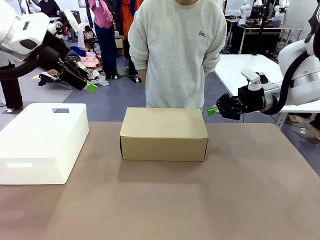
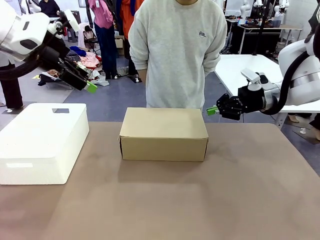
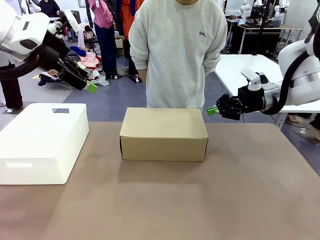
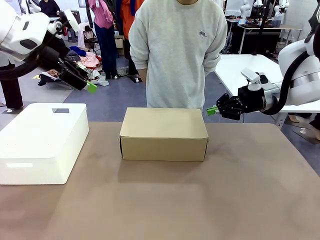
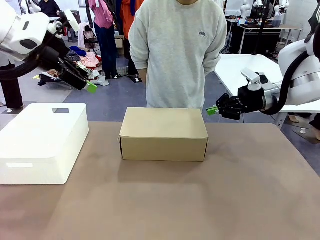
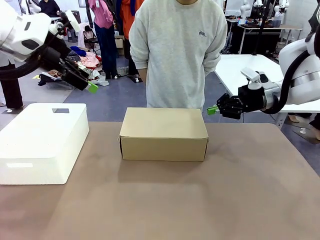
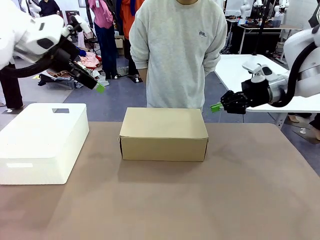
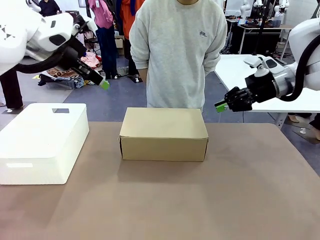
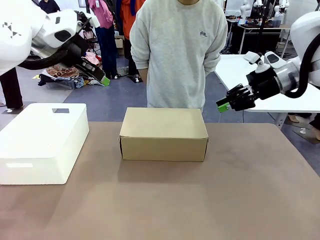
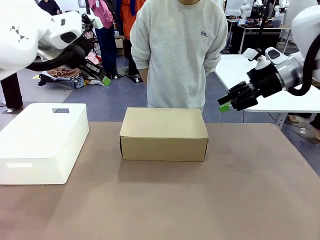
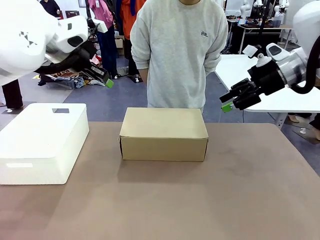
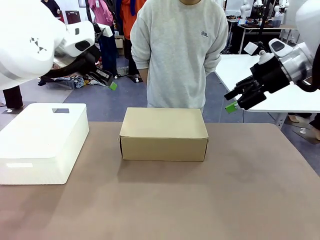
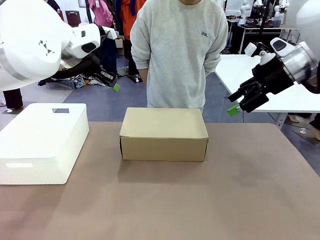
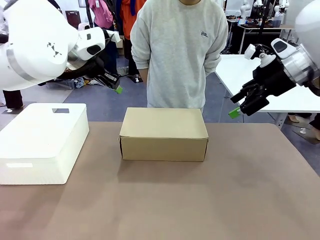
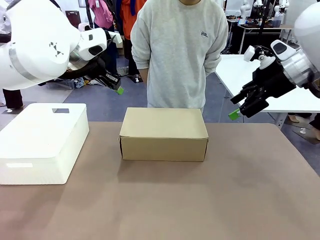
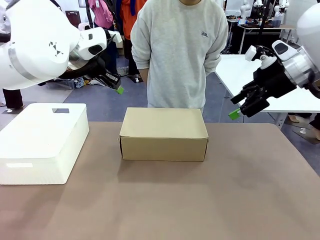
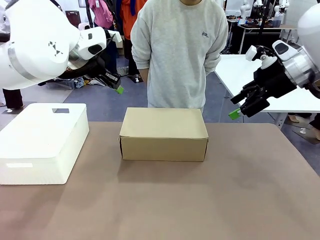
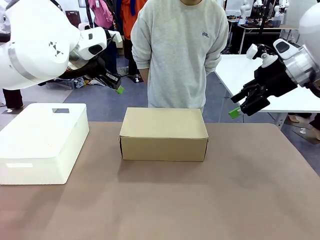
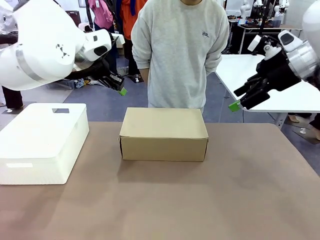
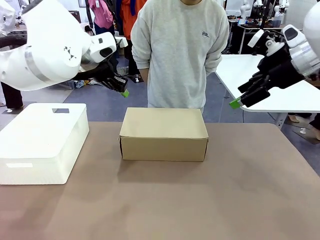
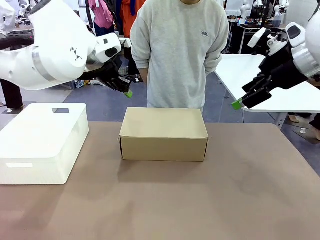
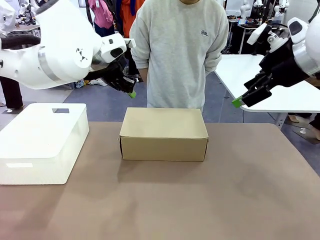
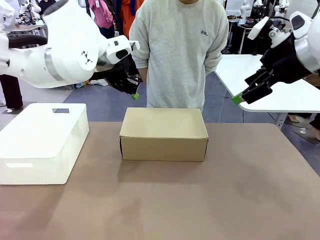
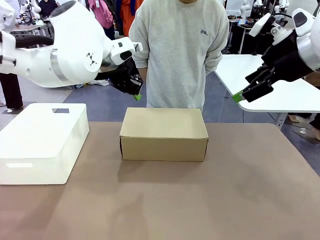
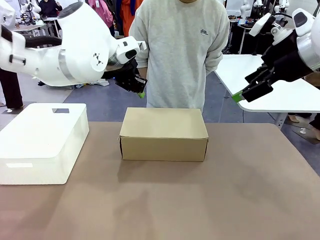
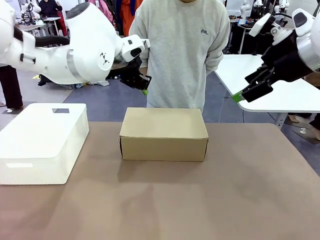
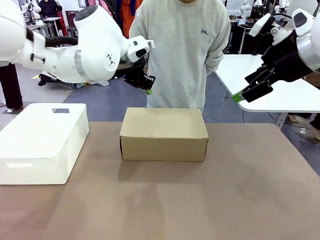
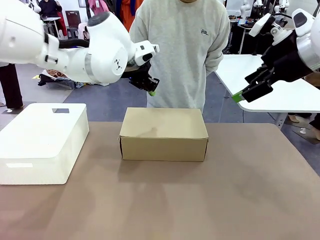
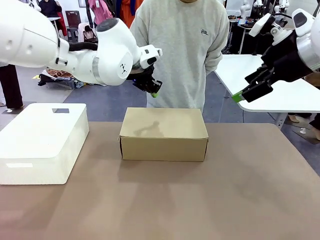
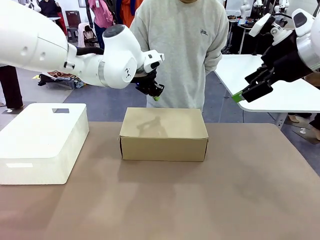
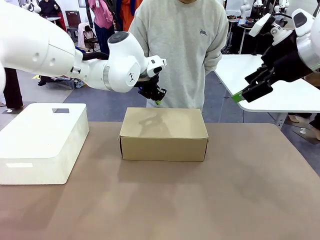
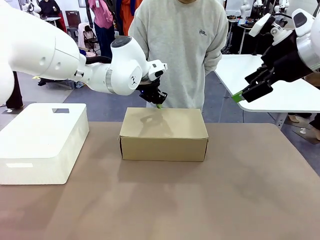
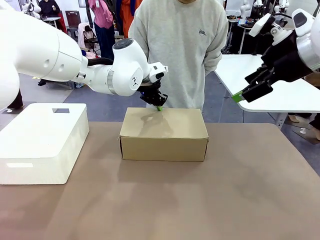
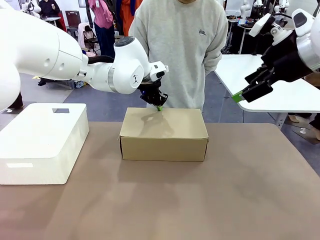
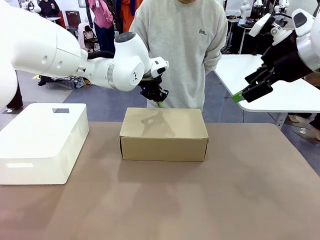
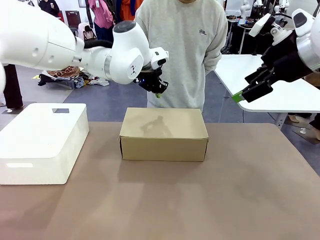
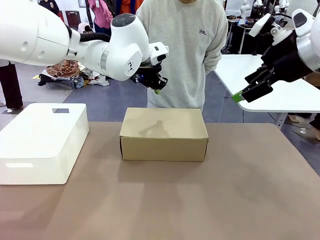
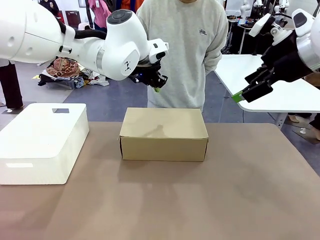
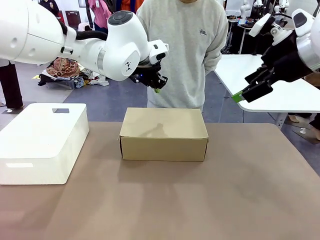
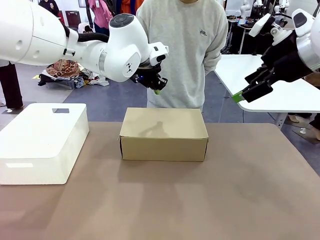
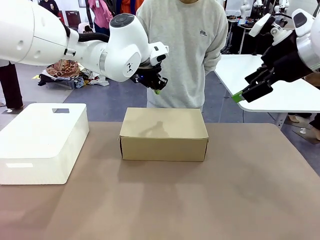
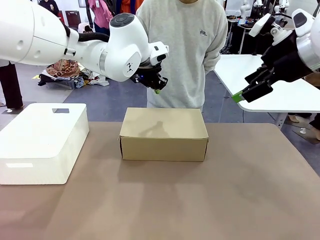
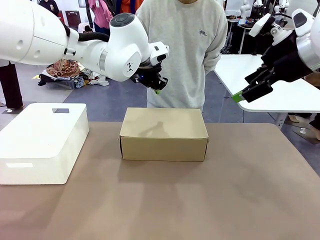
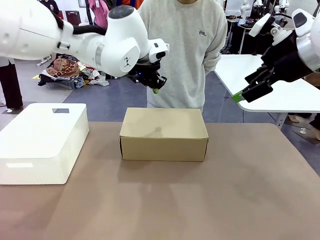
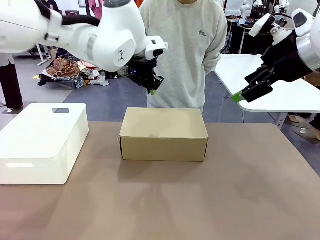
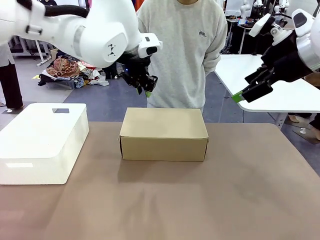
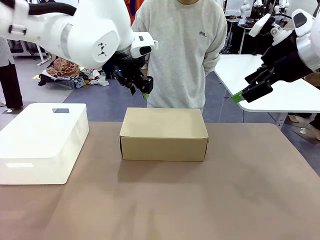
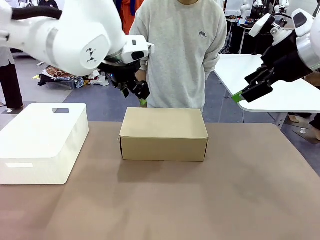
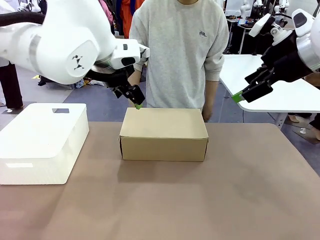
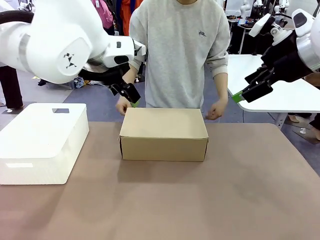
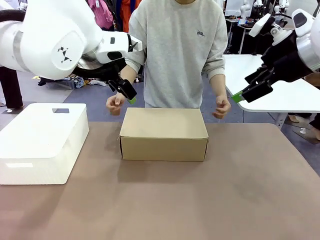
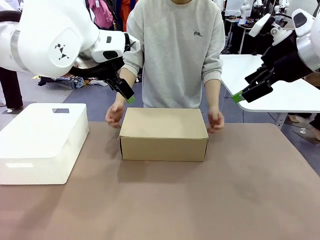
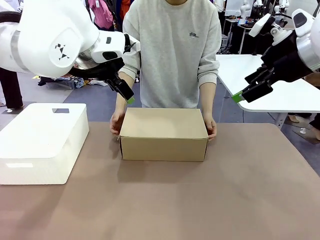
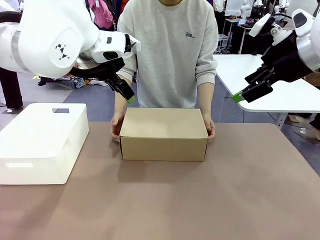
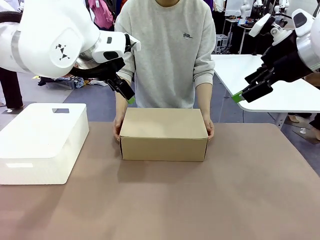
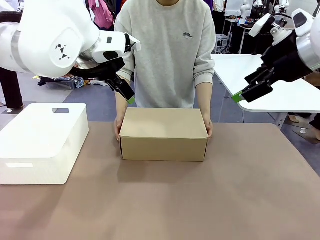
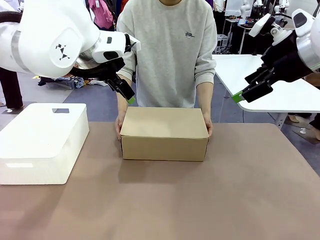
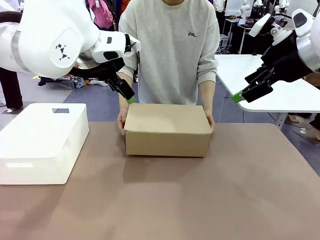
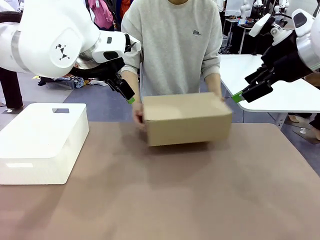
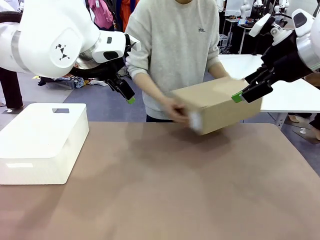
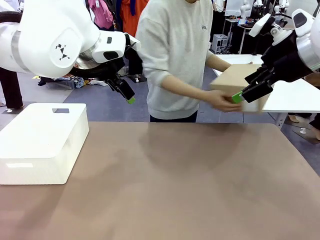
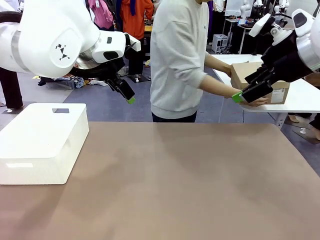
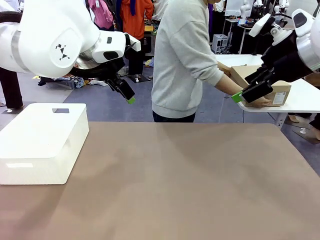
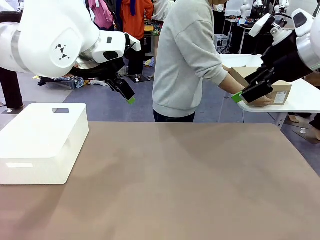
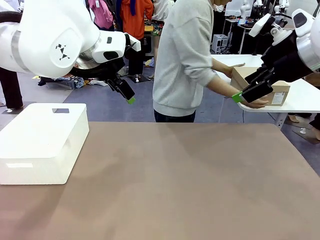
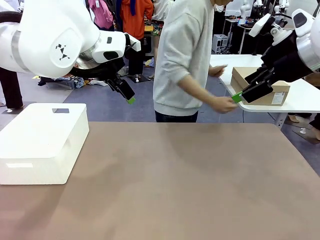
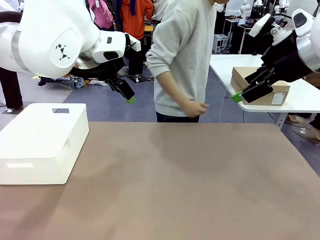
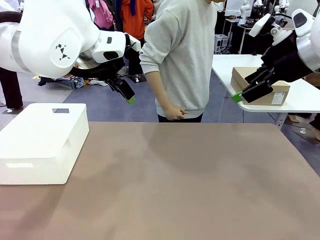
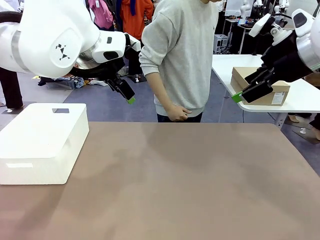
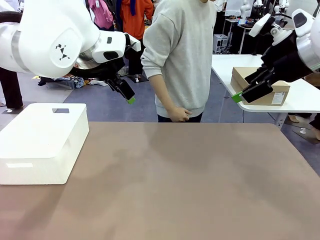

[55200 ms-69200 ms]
Task: Pack the shoes into the box.
Robot: Press down on the lid of the Shoes Box.
Person: Place the closed Shoes Box to the right side of the human table.

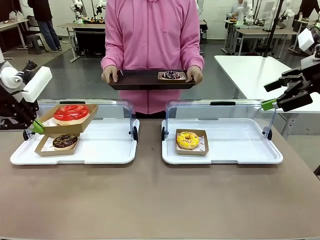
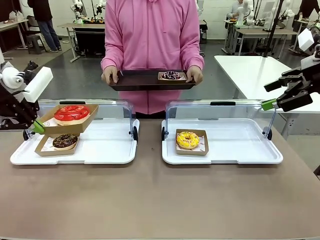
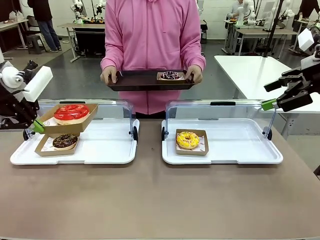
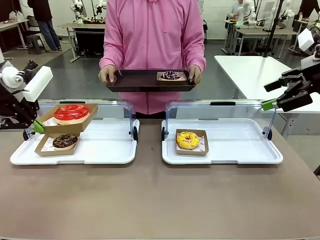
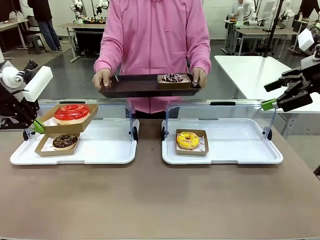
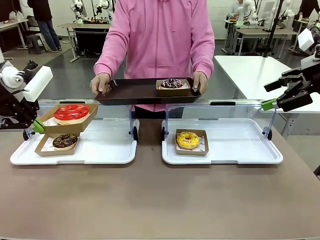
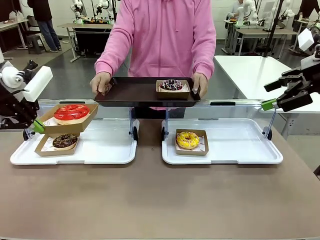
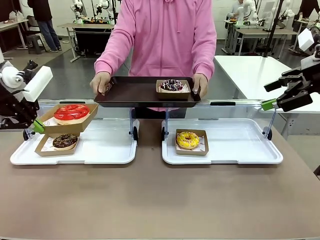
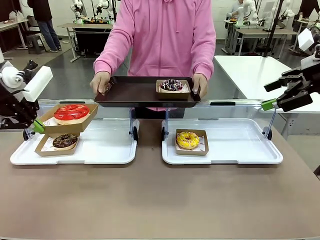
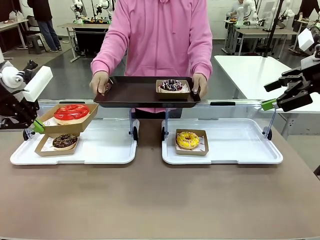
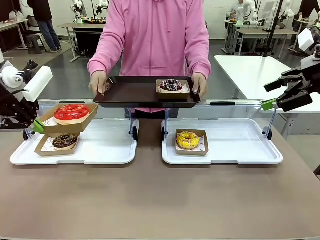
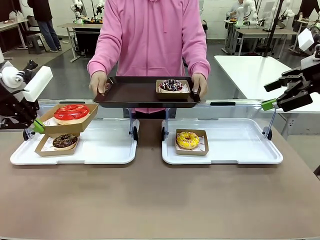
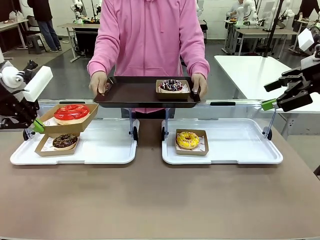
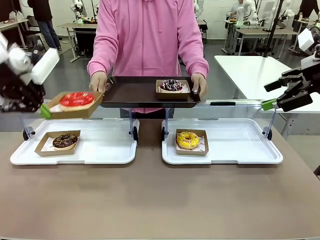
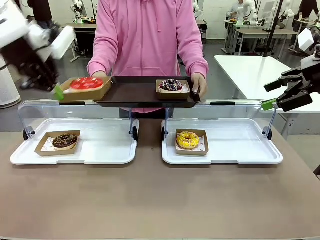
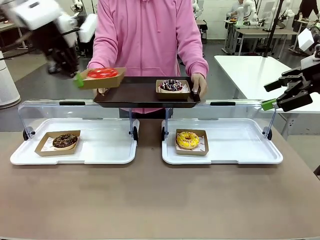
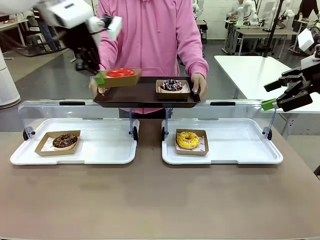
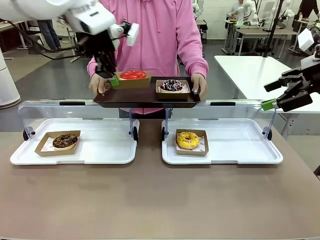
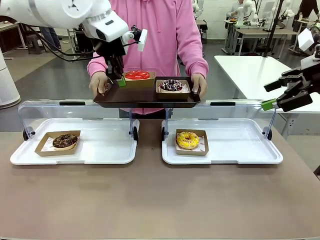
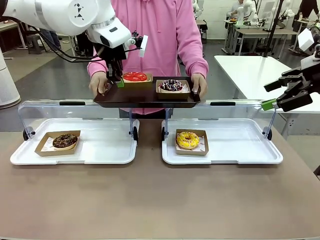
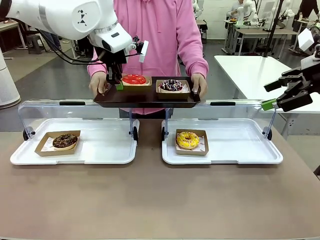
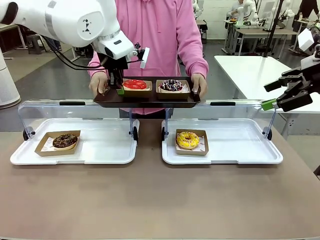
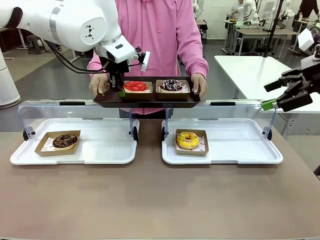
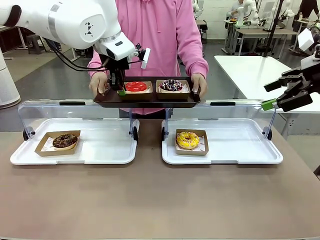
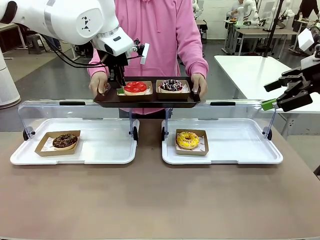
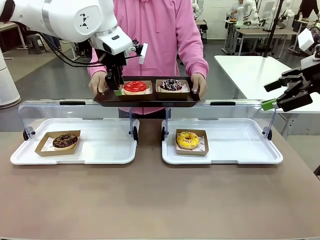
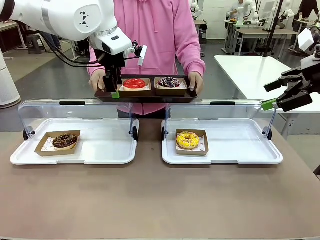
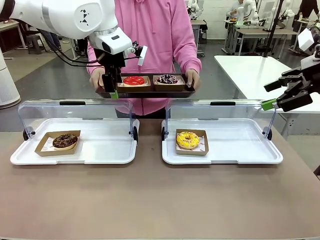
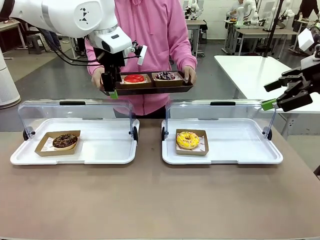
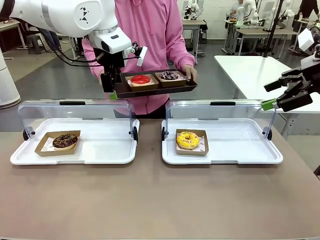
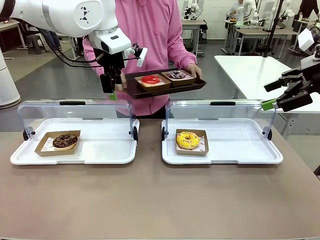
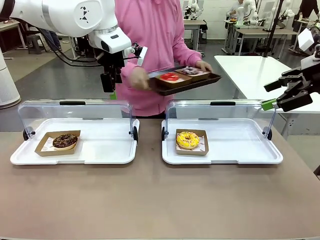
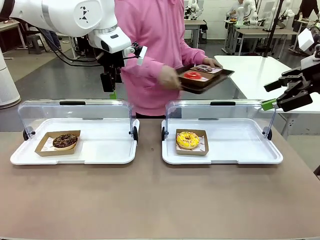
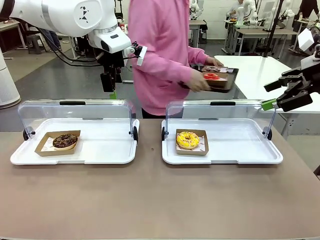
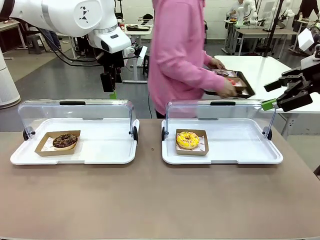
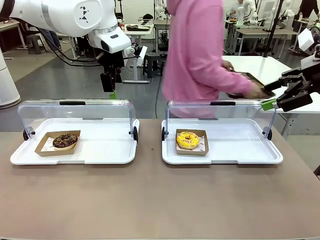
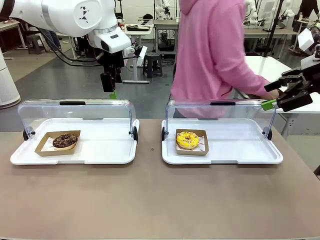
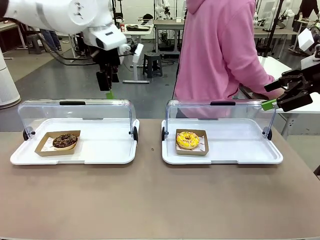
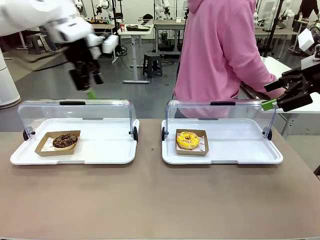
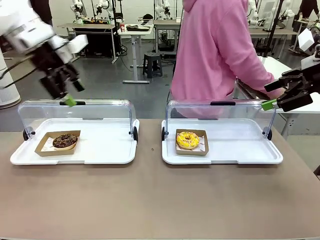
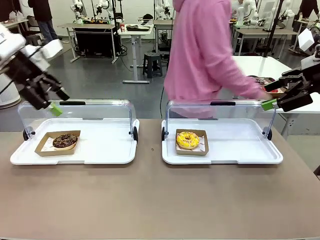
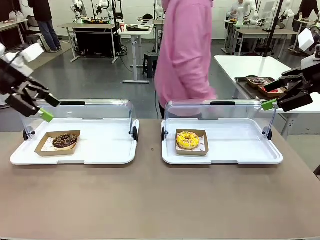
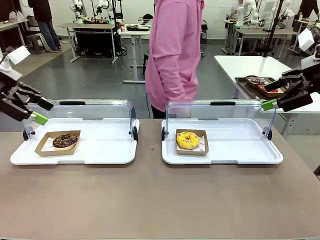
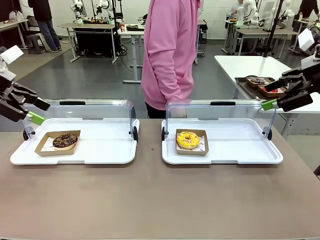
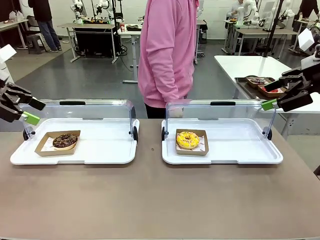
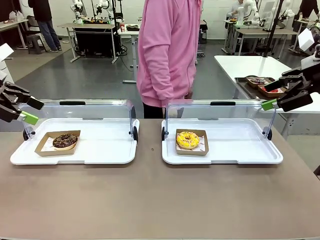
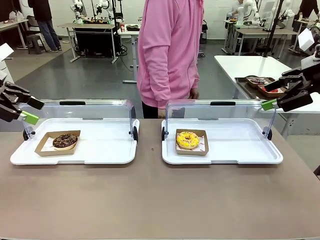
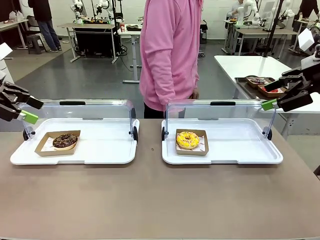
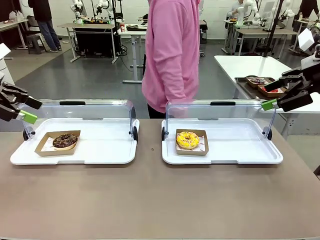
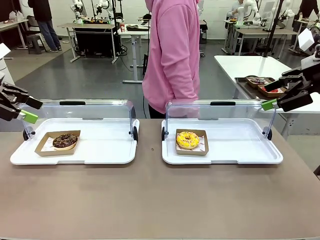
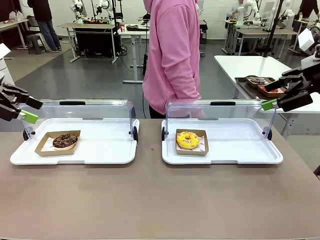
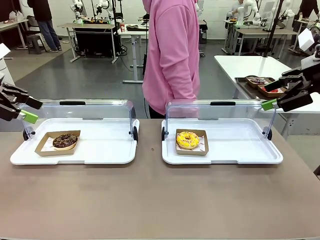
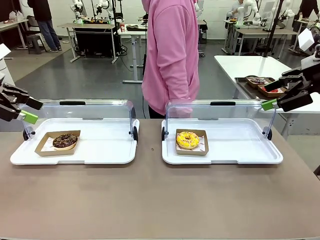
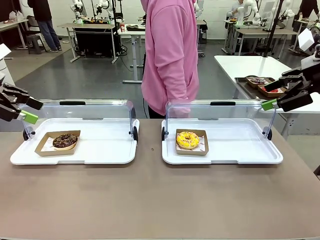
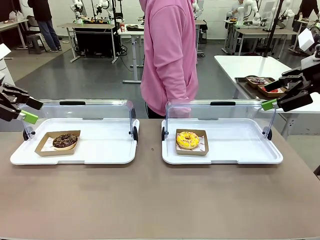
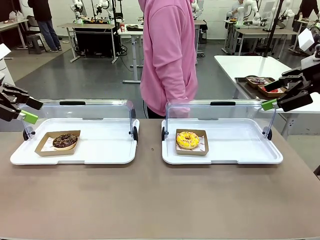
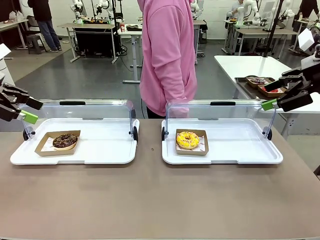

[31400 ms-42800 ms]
Task: Provide the desired donut to the person.
Robot: Place the picked Paper togo box onto the Handle tray extended by the person.
Person: Place the tray in the middle of the human table.
